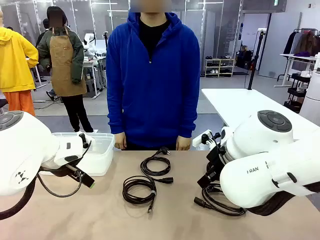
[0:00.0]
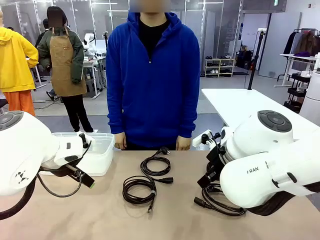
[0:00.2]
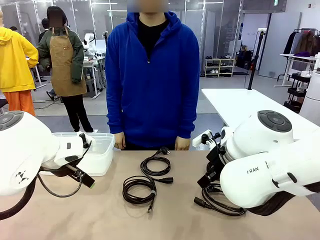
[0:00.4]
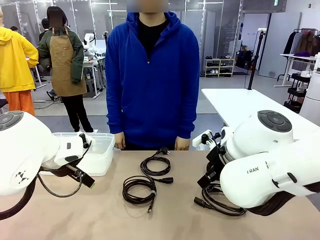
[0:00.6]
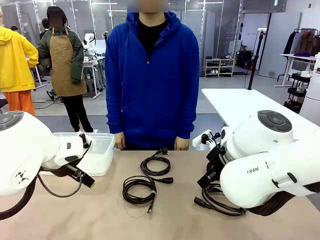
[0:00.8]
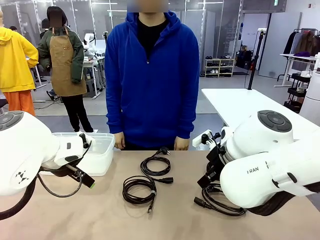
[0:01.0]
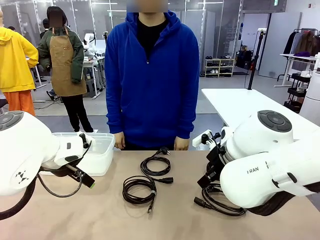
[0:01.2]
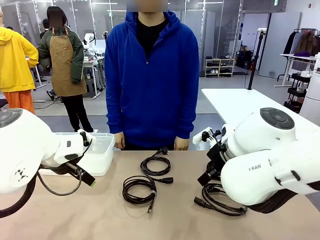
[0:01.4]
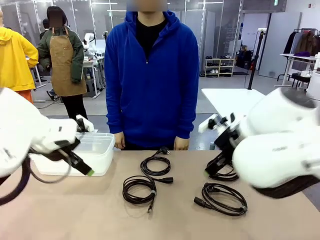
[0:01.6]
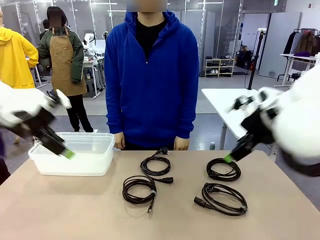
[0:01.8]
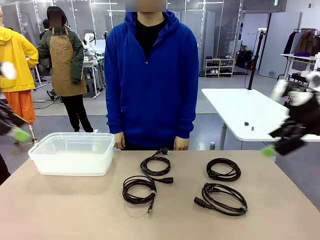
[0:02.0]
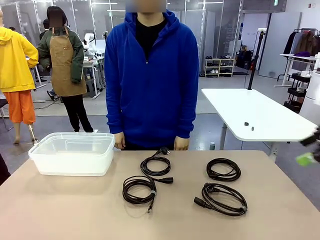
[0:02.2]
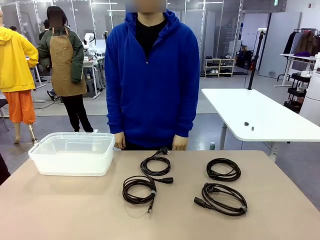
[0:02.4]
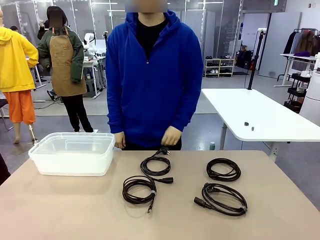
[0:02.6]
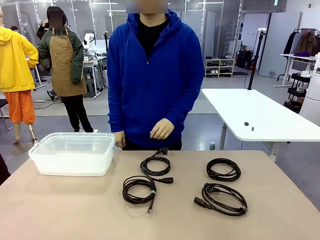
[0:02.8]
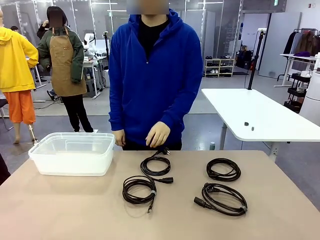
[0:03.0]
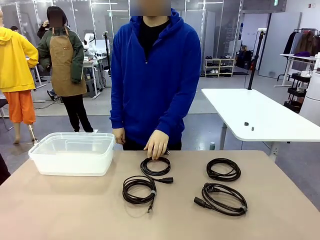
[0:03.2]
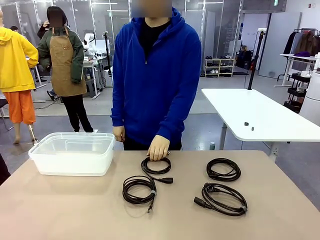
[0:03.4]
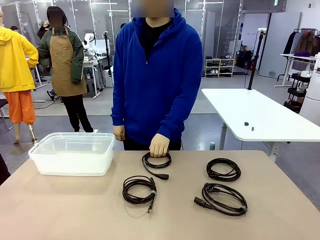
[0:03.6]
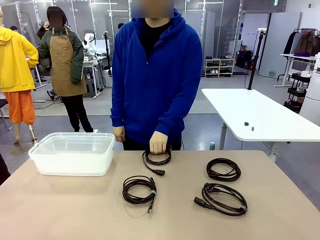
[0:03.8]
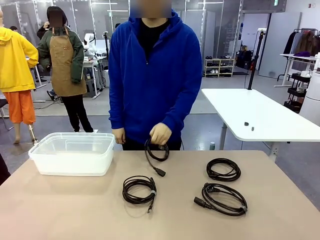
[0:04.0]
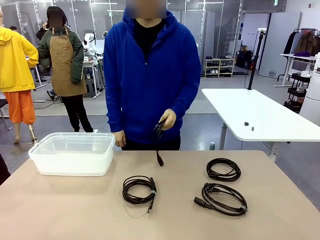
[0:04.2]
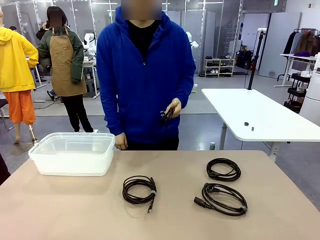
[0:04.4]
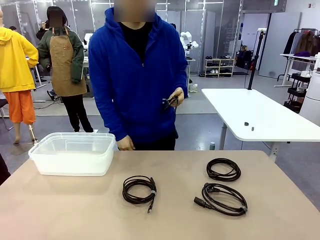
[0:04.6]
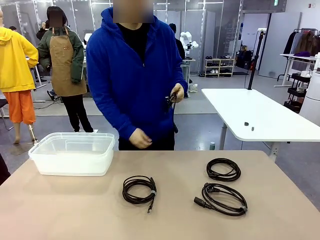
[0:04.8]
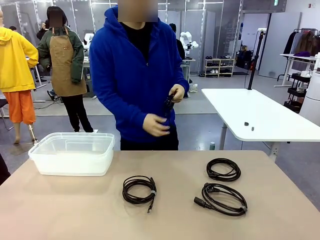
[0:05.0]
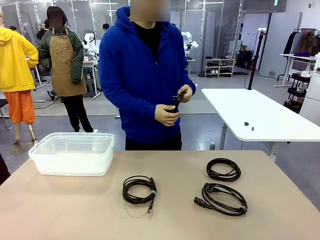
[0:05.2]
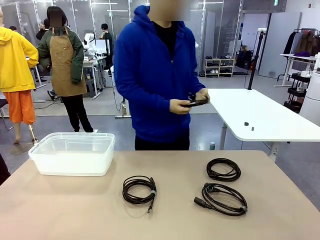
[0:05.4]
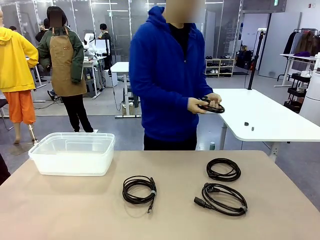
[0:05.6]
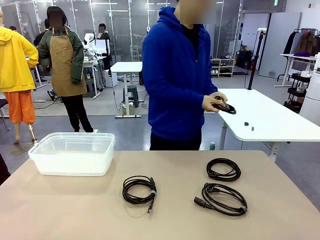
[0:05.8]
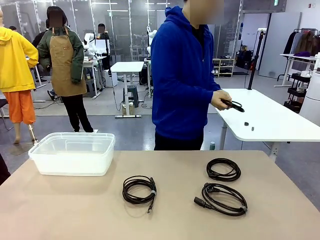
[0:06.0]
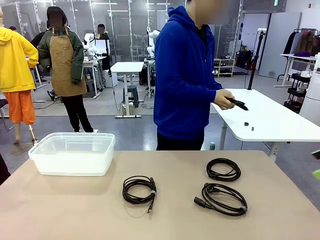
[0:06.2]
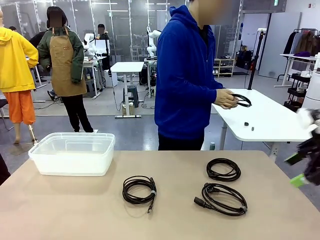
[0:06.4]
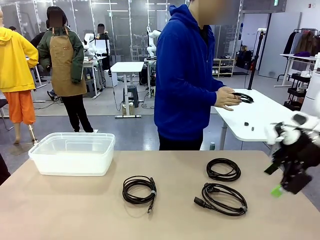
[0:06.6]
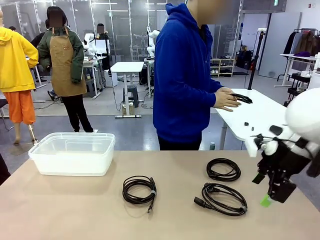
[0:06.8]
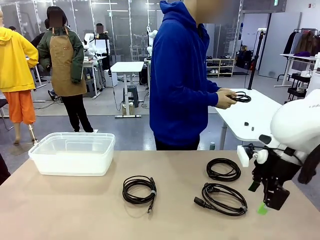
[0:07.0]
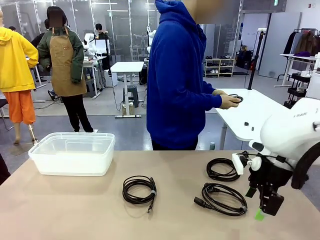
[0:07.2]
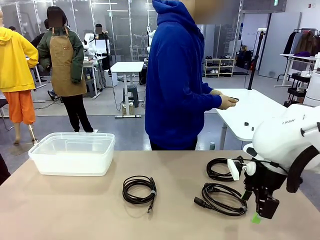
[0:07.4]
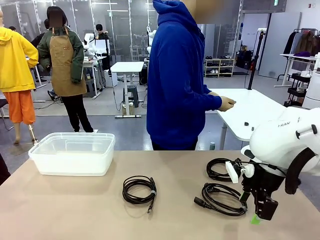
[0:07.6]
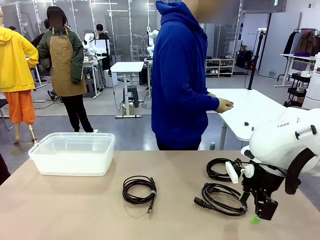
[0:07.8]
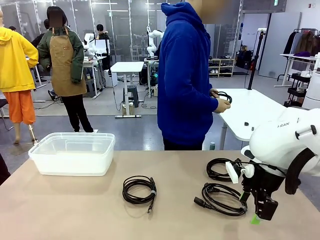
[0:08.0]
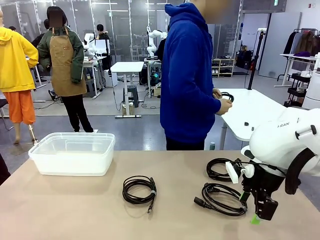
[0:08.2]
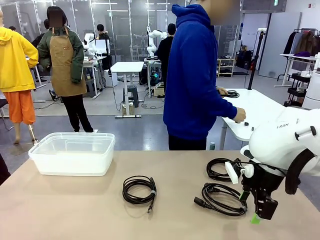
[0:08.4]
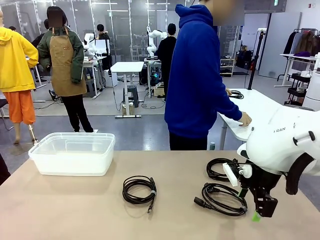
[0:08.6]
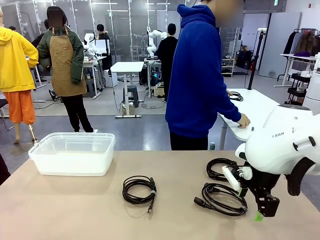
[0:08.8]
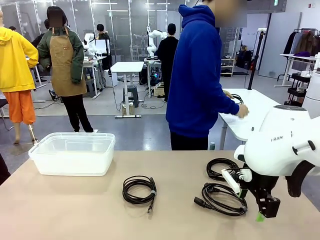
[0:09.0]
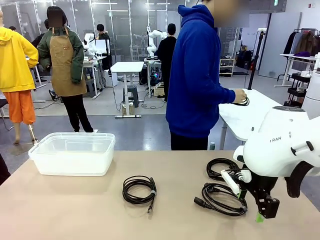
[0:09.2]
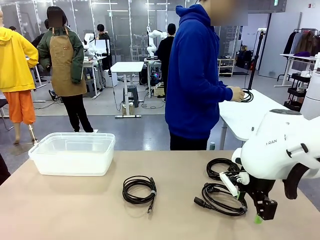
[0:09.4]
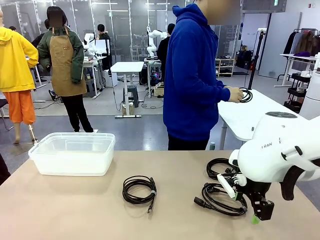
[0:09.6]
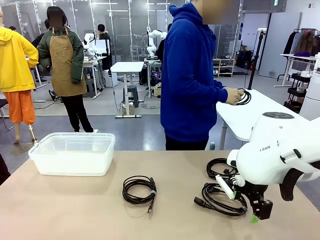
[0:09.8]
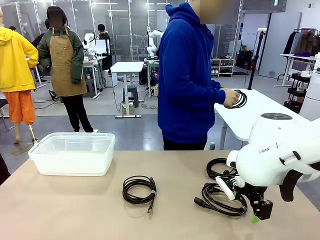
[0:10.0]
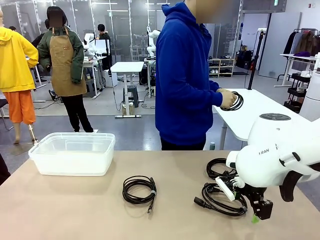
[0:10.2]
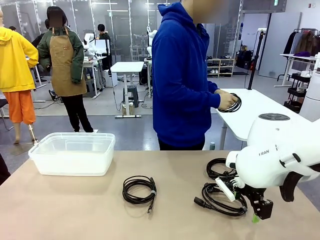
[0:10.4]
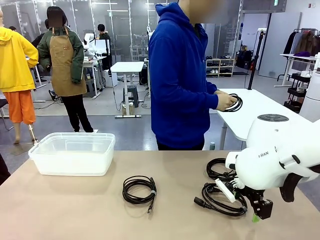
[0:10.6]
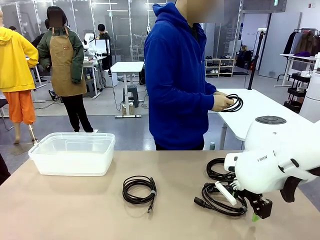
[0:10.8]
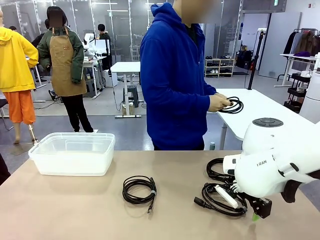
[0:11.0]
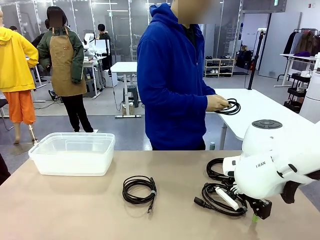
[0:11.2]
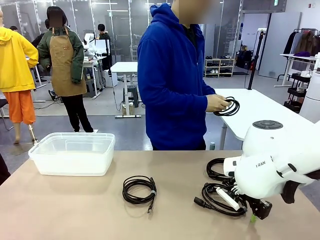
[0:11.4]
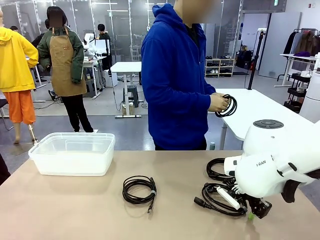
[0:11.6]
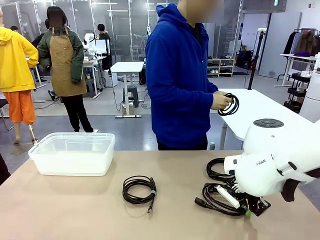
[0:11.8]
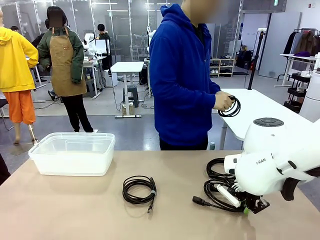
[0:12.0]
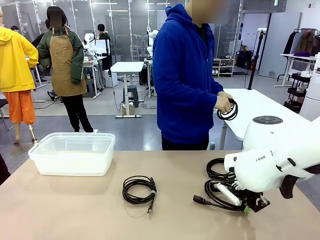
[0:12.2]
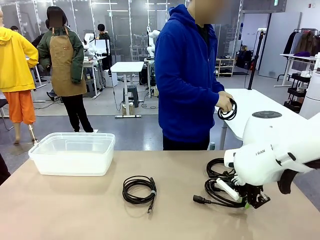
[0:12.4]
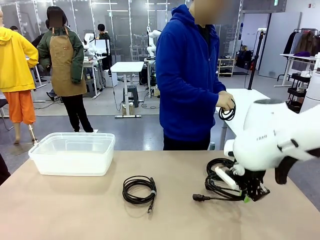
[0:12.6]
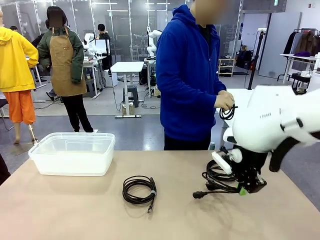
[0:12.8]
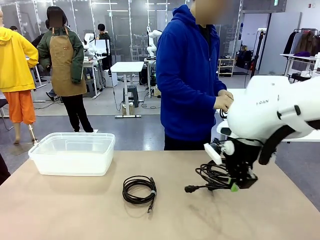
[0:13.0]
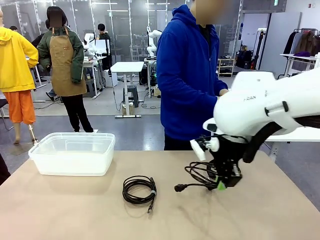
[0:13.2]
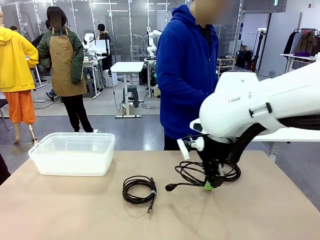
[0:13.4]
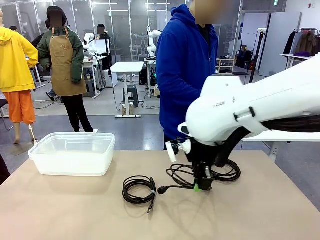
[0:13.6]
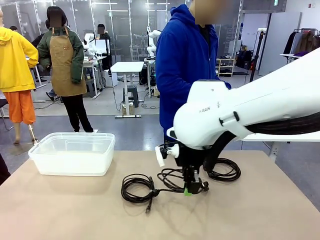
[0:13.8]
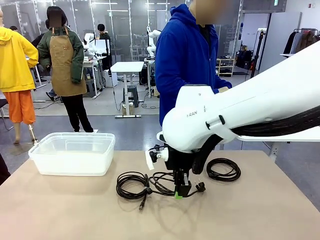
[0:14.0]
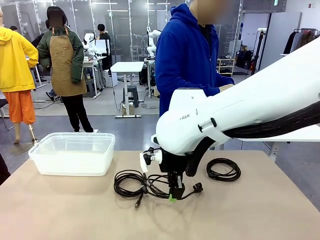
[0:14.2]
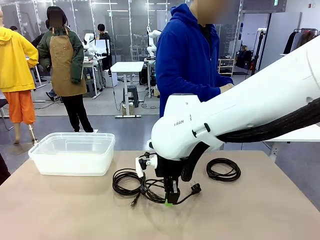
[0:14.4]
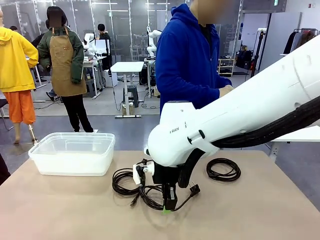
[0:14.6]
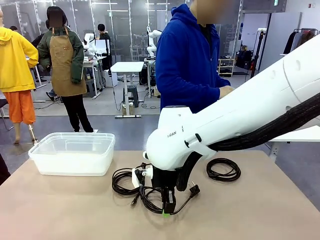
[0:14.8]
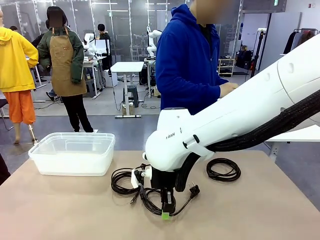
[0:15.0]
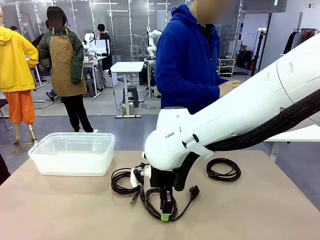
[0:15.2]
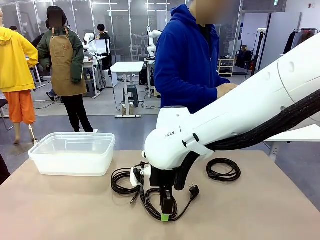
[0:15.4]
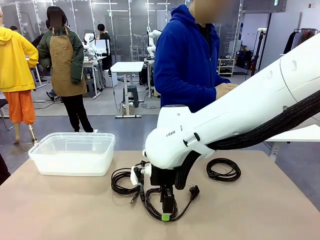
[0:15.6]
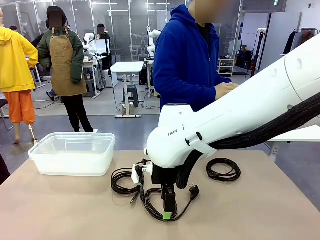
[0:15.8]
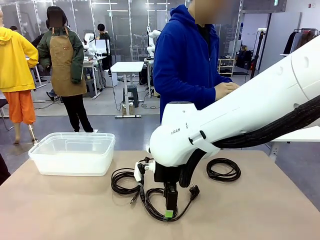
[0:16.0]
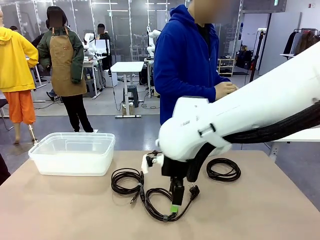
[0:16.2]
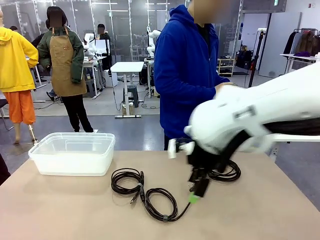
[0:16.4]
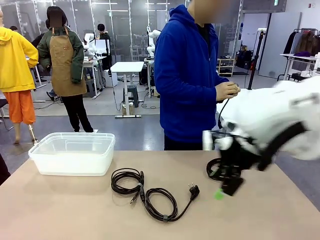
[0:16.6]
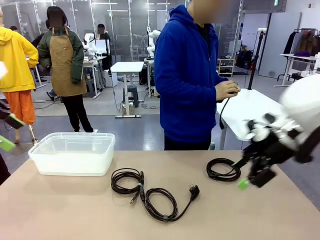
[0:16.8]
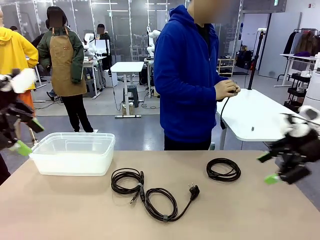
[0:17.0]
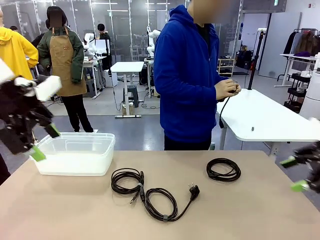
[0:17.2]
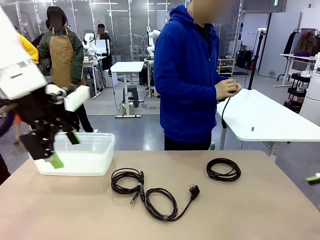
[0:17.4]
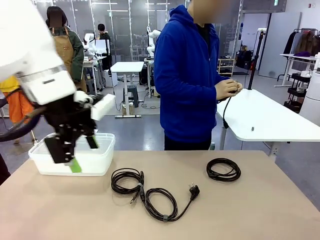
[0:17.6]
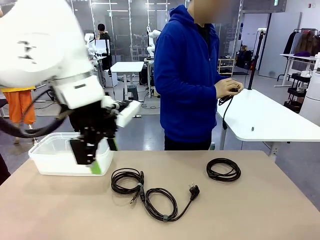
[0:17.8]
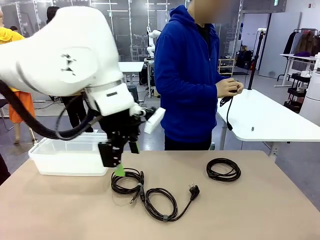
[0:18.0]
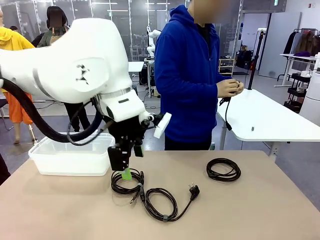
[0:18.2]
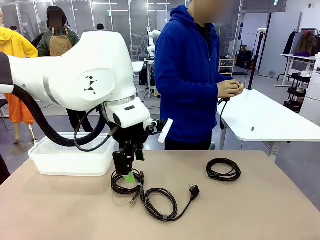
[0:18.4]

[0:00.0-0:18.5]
Task: Organize and store the cables.
Robot: Place the Power Cable into the Organizing box.
Person: Tie one Power Cable with a Reusable Cable Tie.
